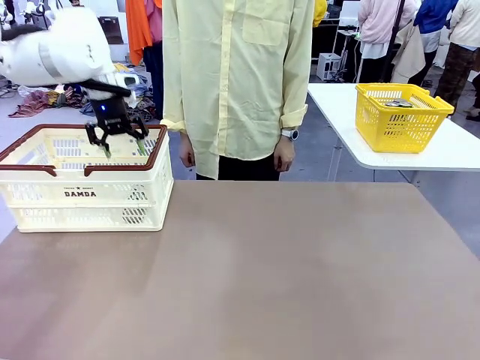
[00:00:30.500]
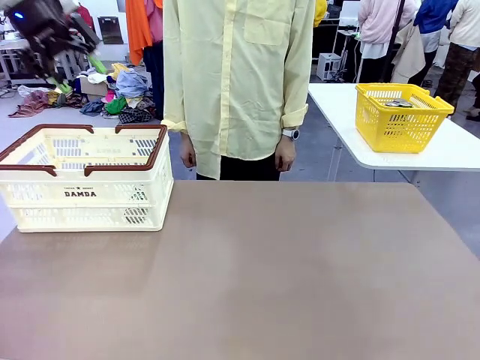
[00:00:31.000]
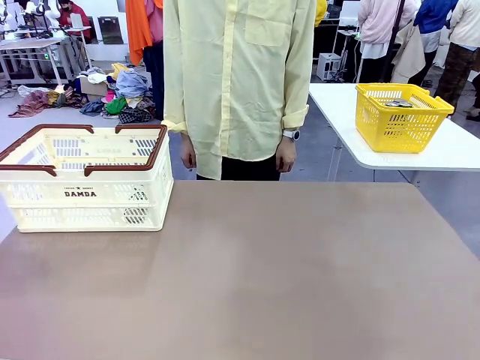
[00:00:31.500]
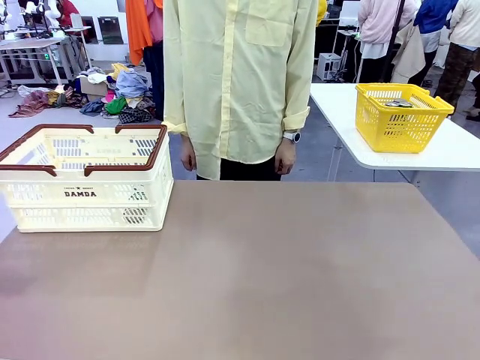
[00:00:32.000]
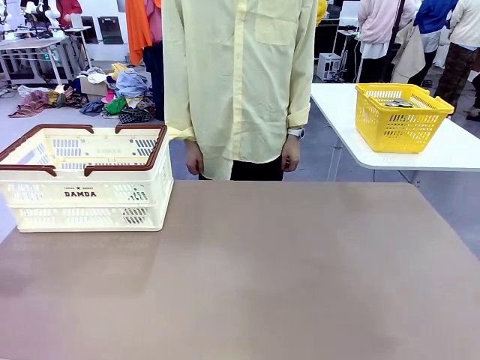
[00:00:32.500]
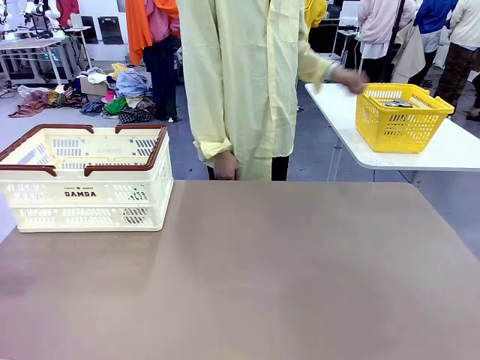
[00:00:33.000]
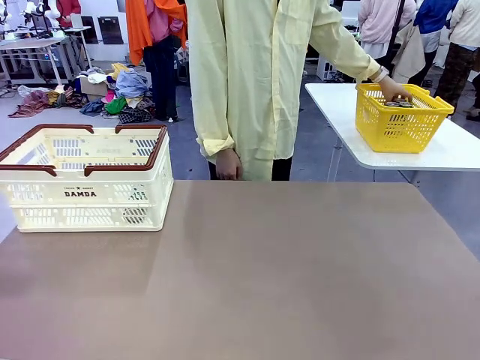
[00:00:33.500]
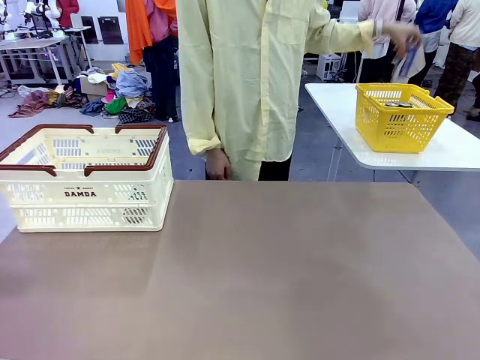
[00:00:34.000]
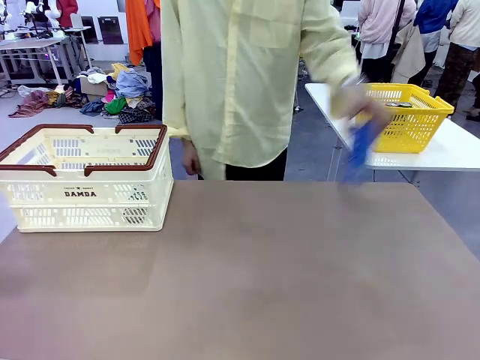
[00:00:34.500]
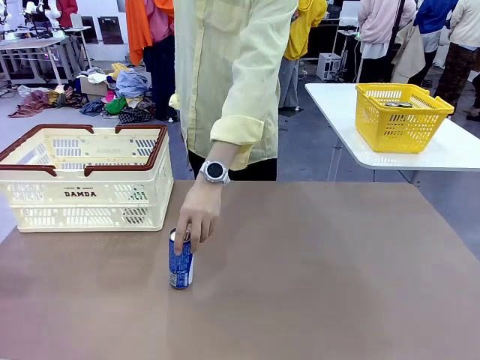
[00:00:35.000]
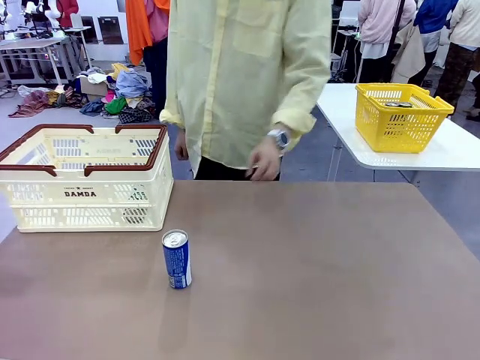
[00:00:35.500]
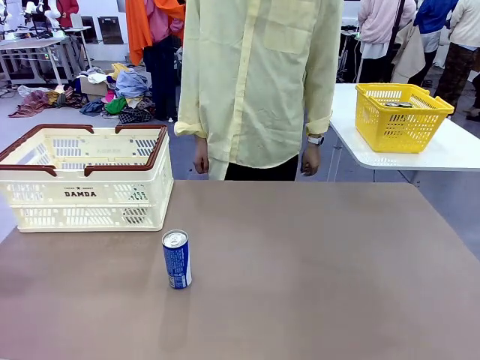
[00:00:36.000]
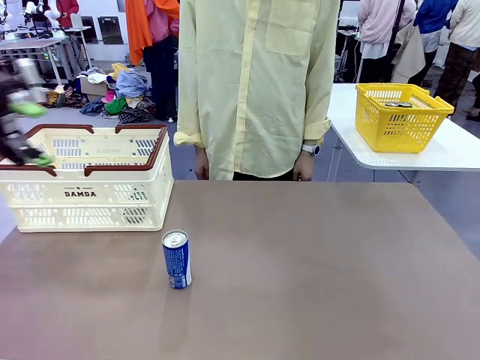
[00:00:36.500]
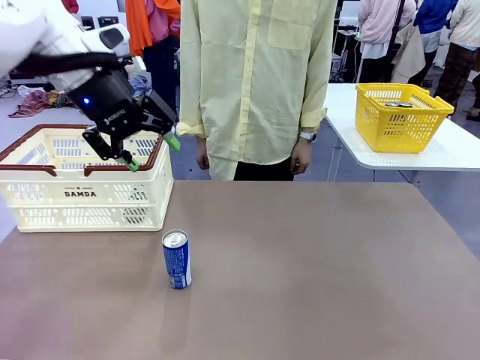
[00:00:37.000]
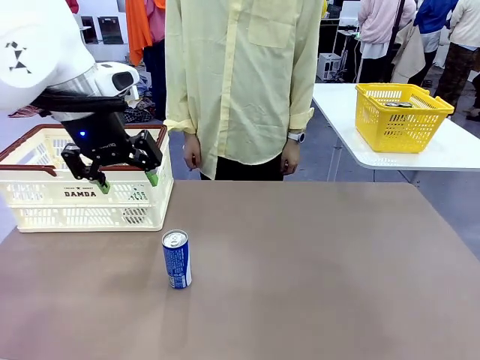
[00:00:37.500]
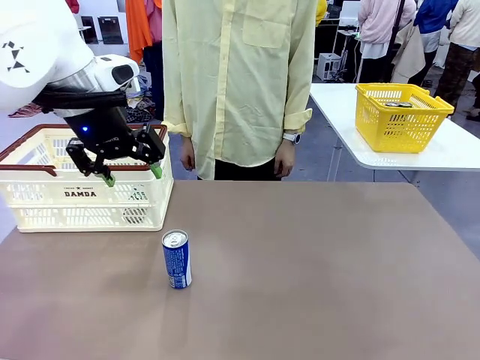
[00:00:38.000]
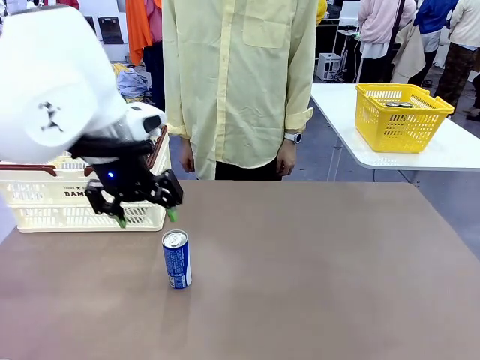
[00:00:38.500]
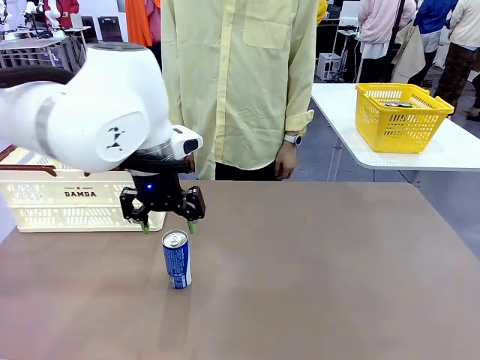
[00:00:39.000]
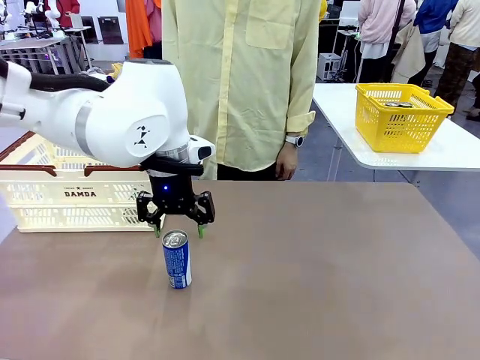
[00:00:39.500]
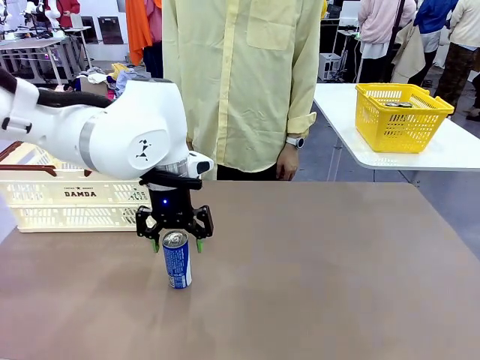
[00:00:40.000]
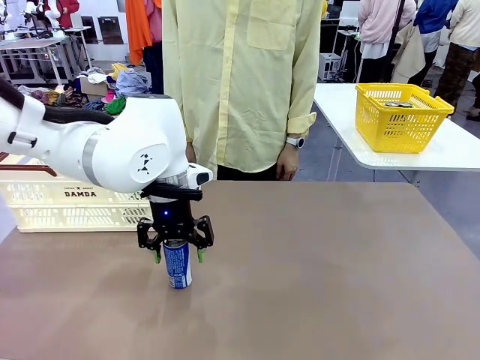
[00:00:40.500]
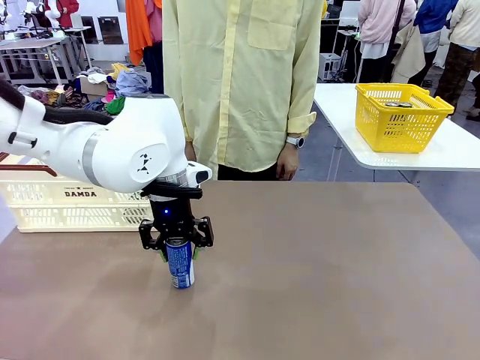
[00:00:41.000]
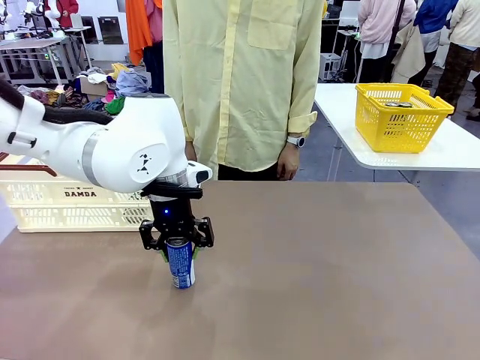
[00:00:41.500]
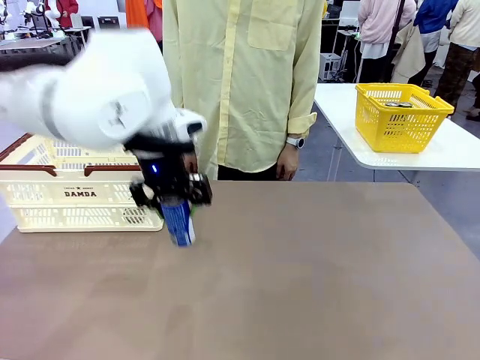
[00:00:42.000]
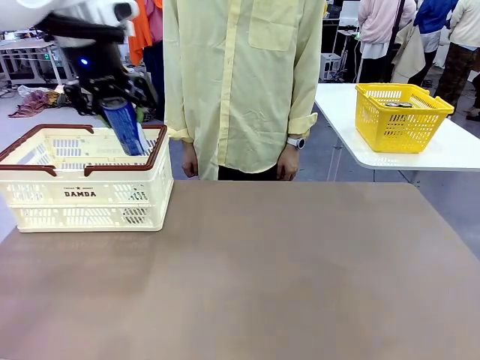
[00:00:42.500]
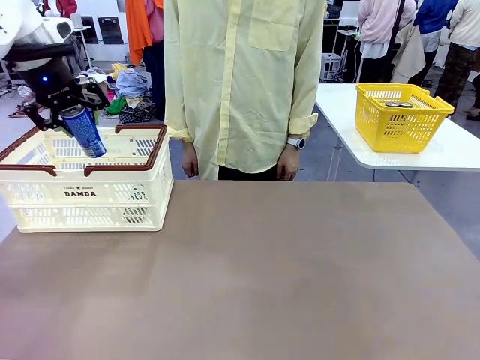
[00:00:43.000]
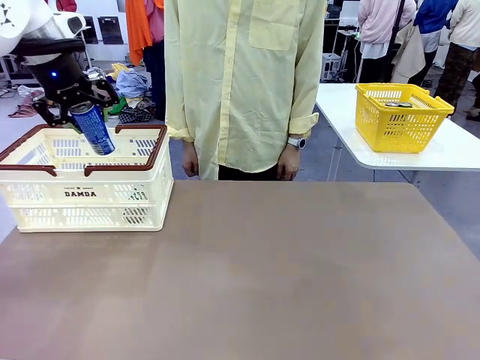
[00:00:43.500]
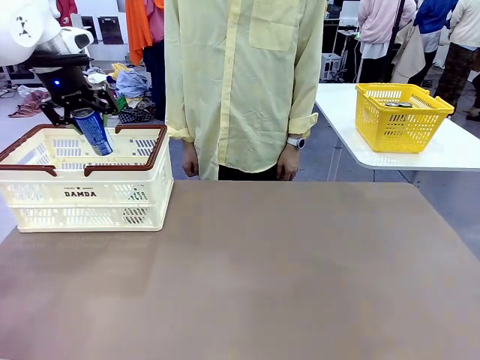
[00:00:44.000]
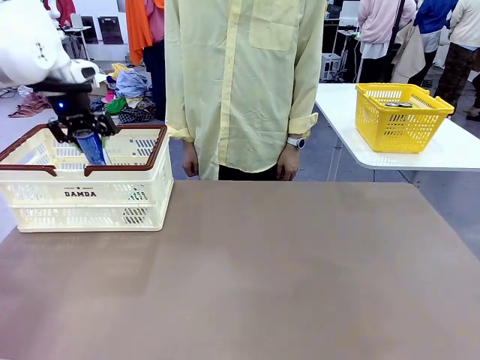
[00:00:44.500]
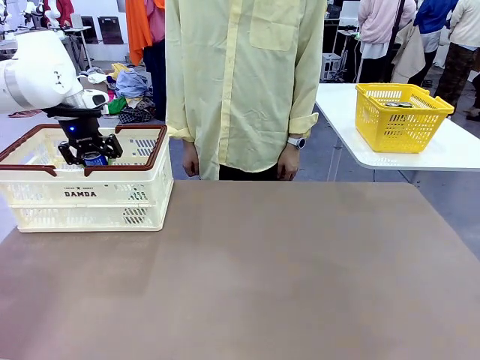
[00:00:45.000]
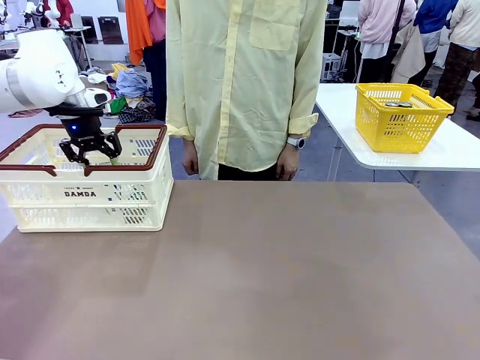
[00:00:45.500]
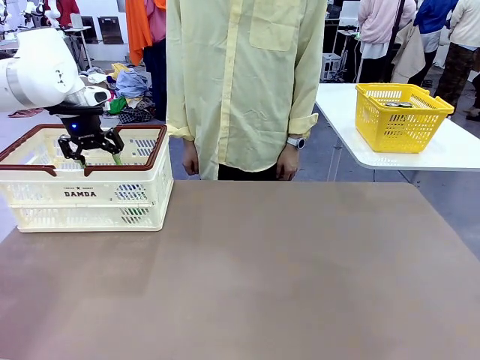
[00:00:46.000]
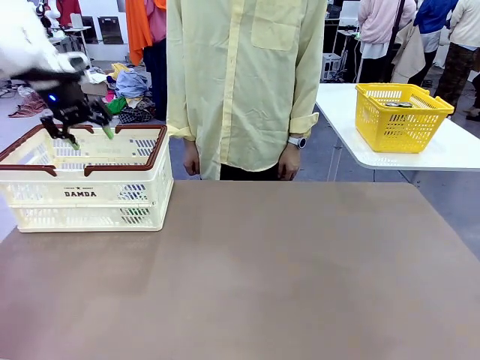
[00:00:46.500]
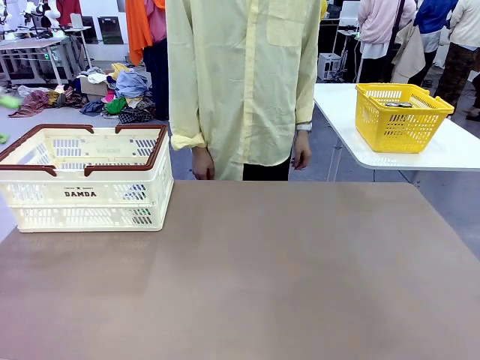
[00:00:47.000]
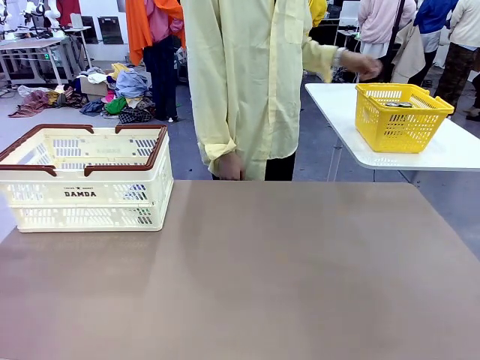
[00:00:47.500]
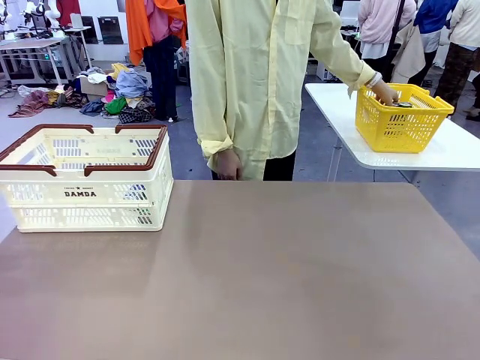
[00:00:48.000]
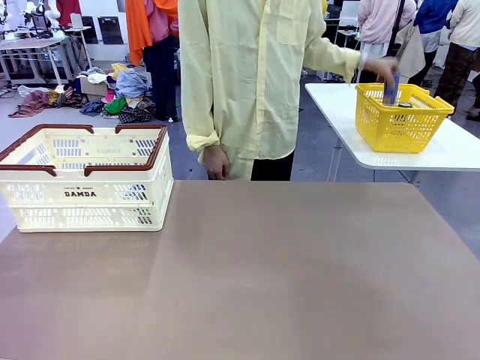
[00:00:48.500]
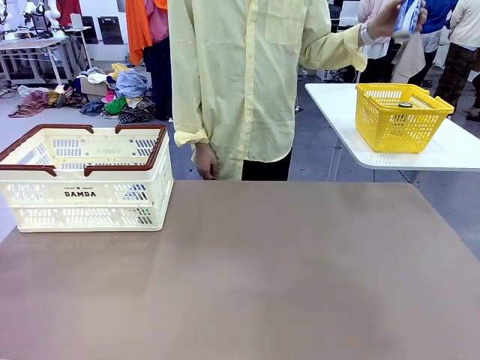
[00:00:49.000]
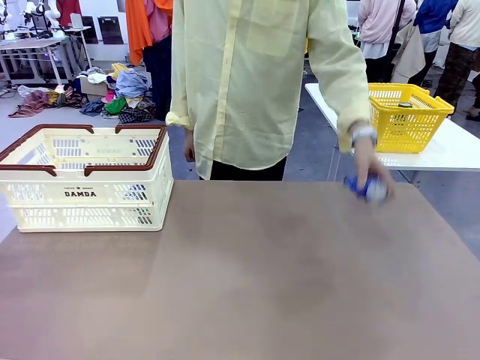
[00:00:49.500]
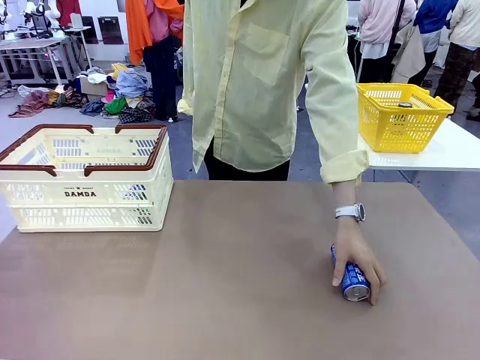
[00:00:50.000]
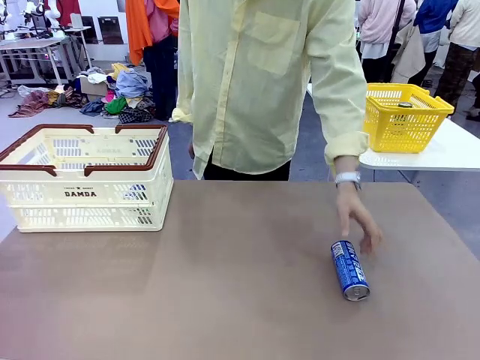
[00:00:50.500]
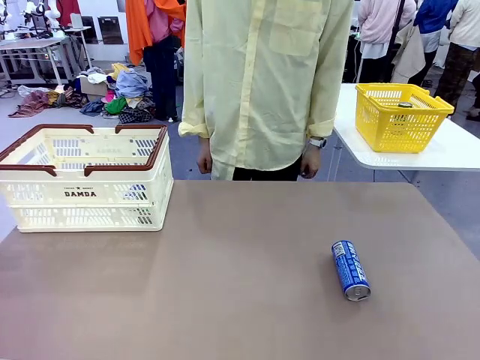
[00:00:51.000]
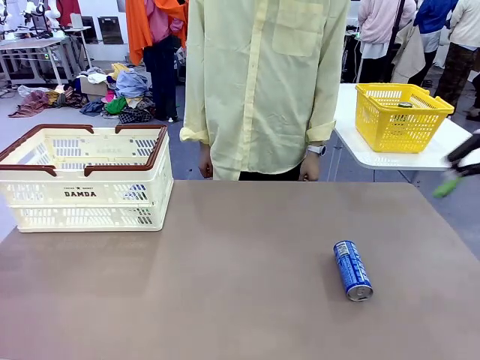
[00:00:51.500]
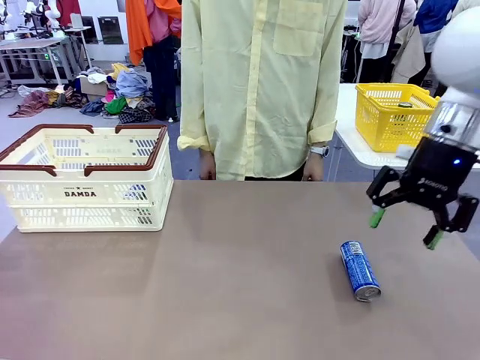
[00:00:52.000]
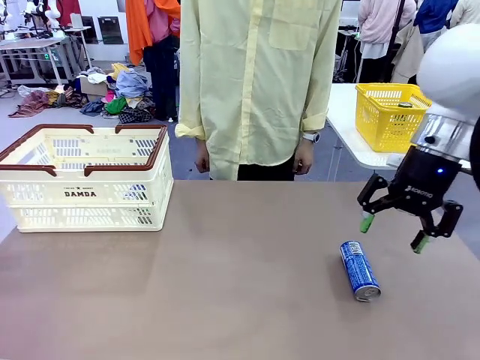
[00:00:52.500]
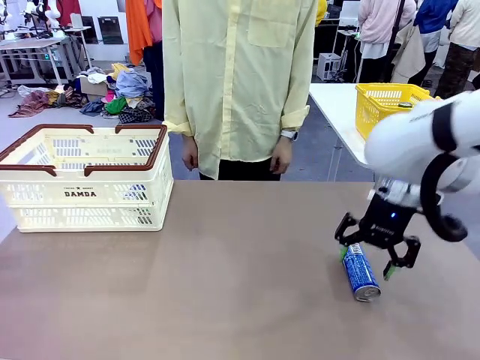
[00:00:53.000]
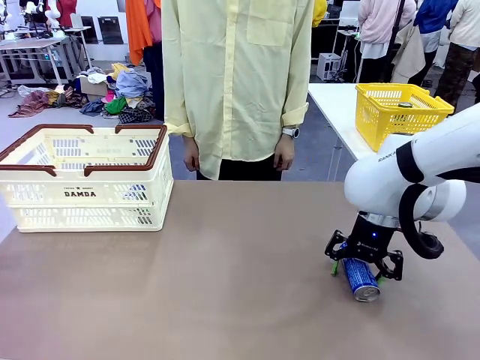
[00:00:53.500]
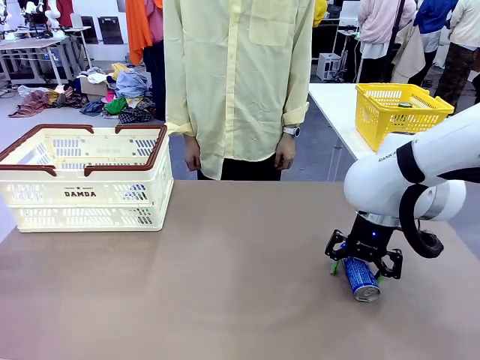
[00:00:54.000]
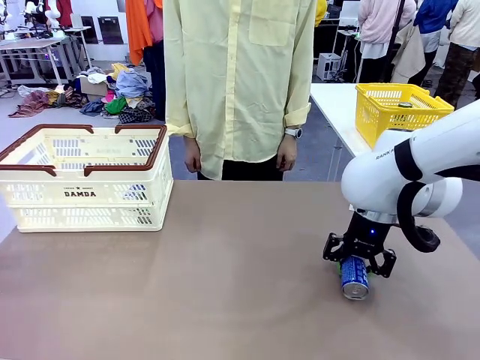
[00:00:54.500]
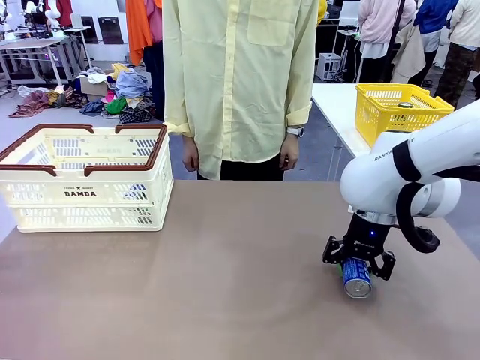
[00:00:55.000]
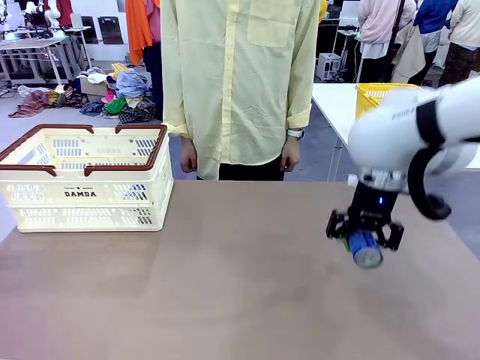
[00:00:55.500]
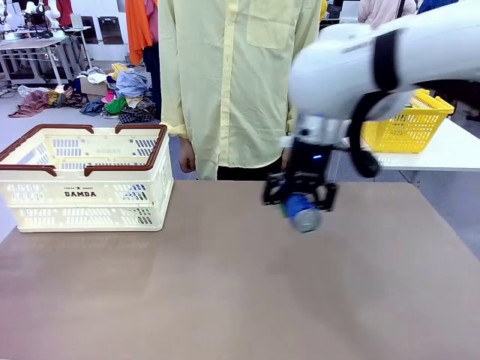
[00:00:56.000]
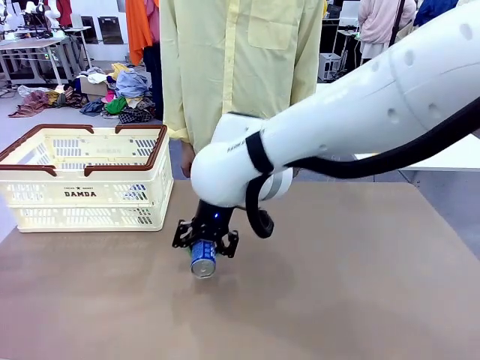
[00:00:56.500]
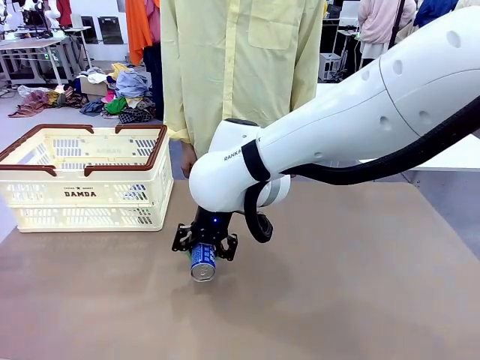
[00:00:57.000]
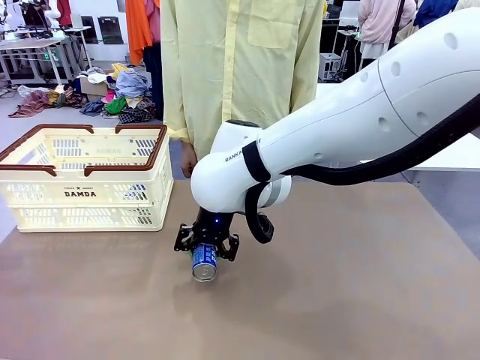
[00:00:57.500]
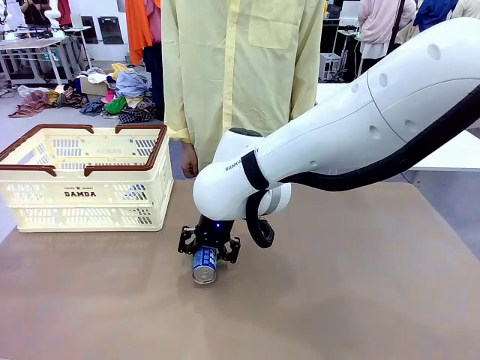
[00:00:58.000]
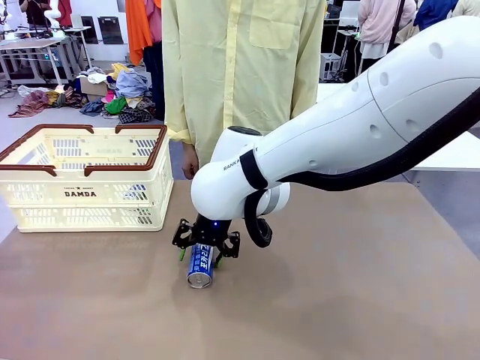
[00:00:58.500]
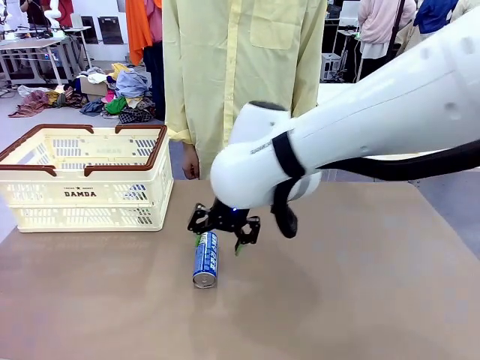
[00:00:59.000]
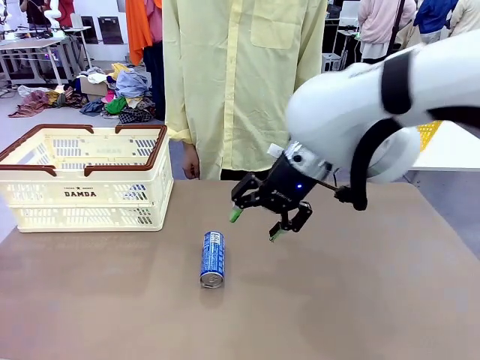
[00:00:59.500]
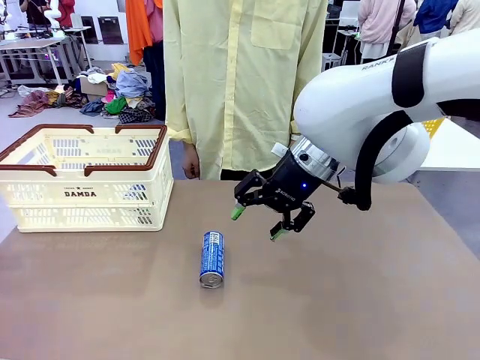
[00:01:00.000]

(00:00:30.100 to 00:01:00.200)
Task: Place the drinks into the Shopping basket.
Robot: Pick up one drink and place it into the Shopping basket.
